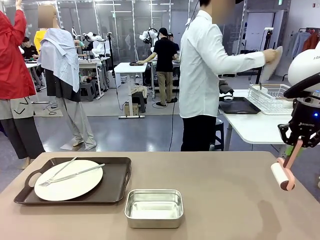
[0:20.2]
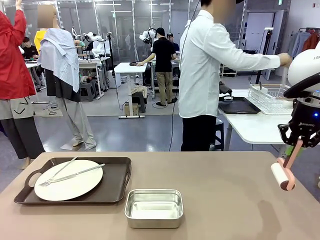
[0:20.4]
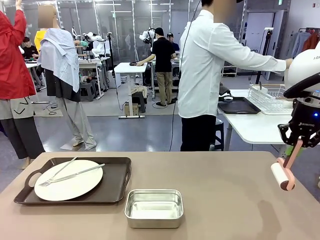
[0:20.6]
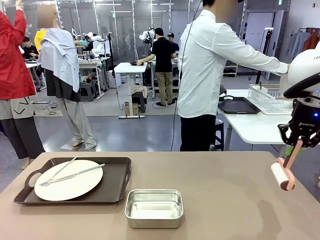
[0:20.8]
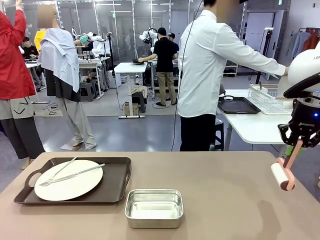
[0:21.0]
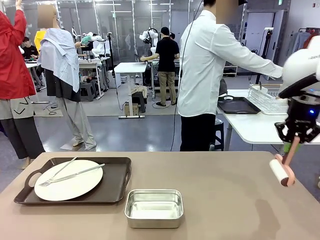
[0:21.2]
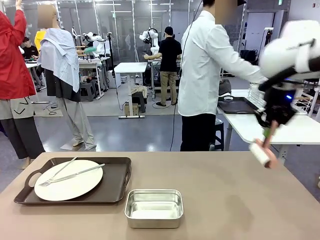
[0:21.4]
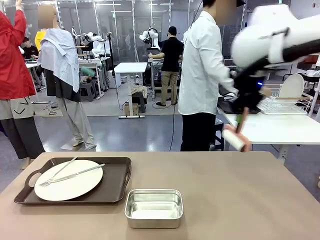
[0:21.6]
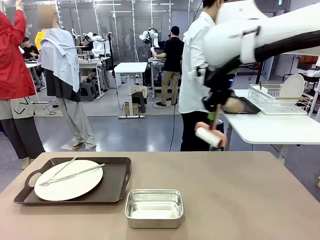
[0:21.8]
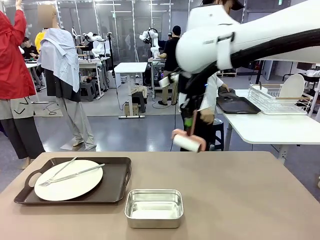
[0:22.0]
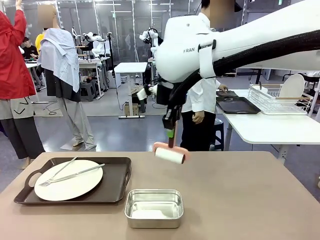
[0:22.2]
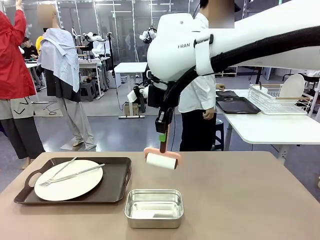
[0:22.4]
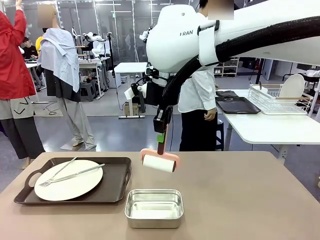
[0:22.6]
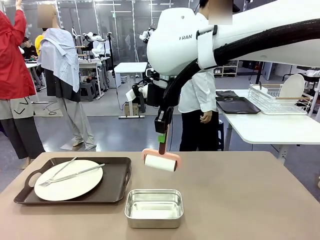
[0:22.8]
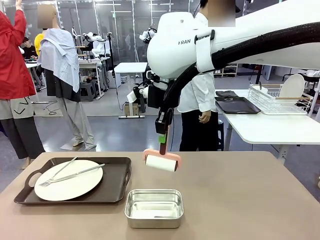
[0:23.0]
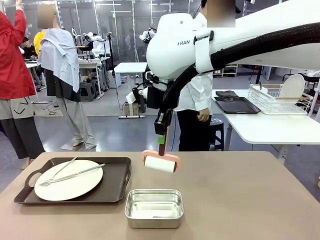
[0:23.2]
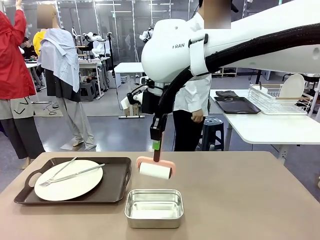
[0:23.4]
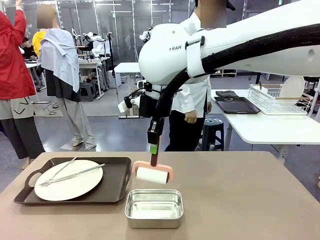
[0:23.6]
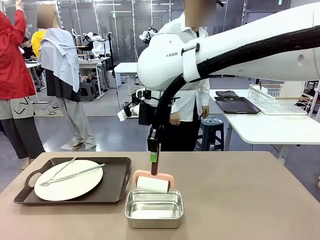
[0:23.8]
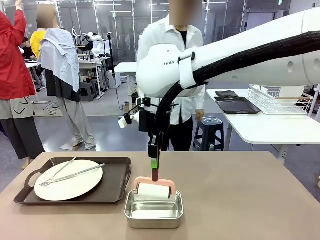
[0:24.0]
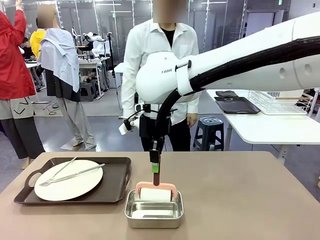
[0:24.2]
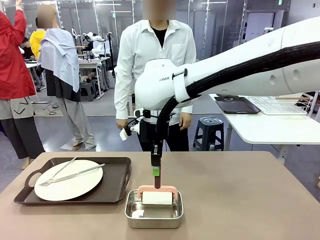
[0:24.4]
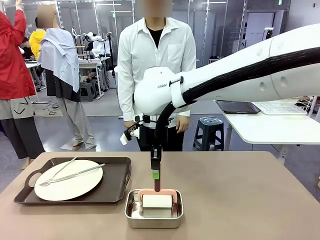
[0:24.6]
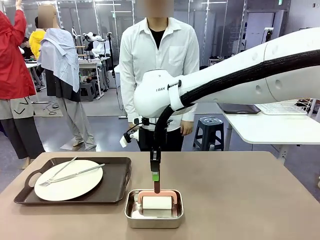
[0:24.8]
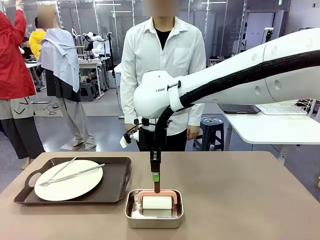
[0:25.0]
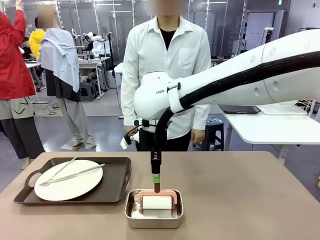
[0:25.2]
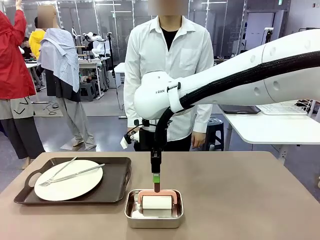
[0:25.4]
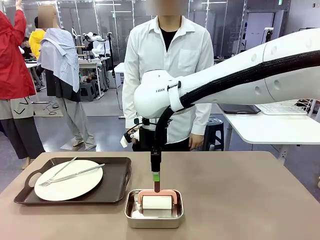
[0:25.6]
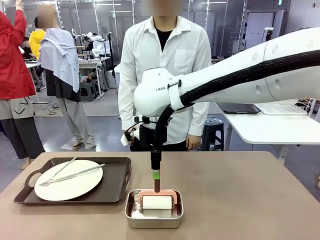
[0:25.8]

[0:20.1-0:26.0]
Robot: Place the Lint Roller back on top of the Airtight Container.

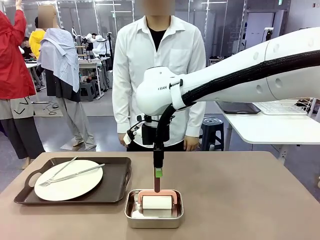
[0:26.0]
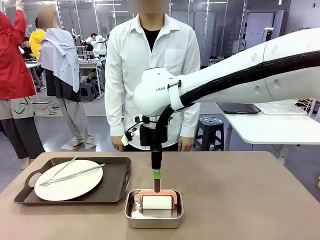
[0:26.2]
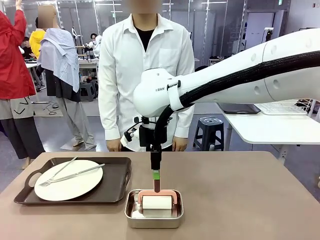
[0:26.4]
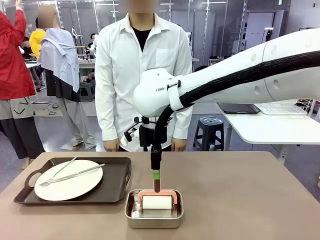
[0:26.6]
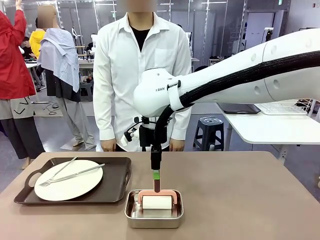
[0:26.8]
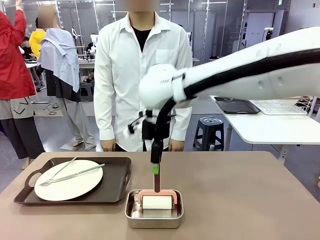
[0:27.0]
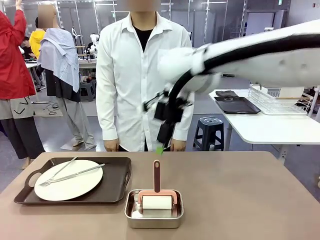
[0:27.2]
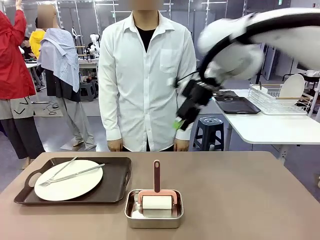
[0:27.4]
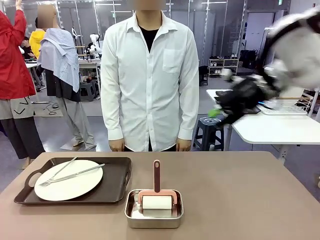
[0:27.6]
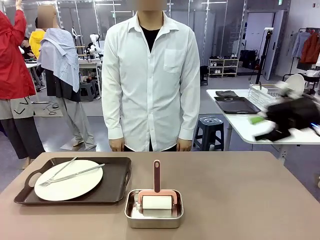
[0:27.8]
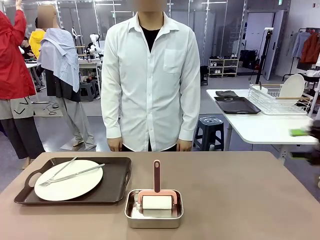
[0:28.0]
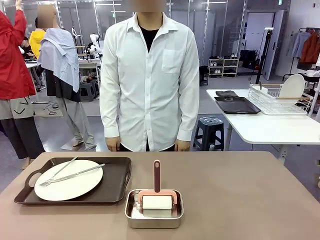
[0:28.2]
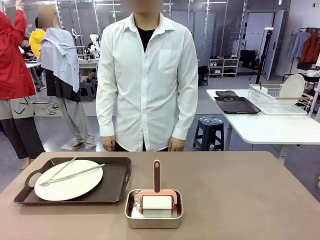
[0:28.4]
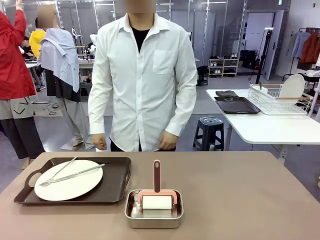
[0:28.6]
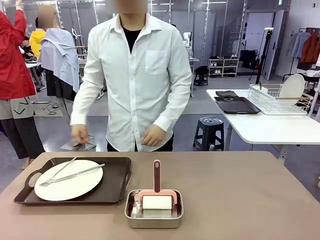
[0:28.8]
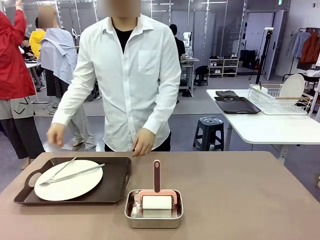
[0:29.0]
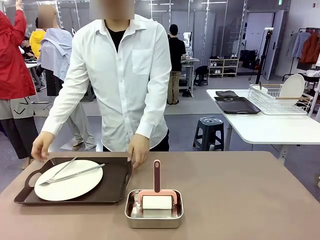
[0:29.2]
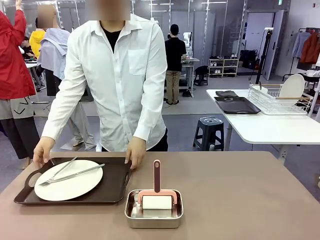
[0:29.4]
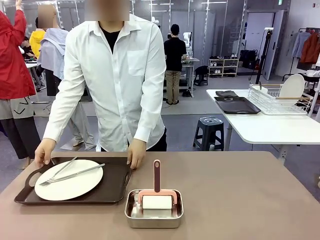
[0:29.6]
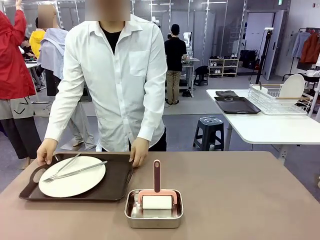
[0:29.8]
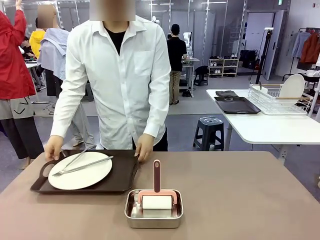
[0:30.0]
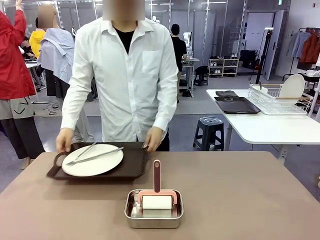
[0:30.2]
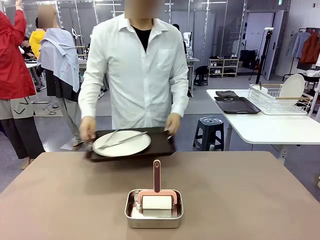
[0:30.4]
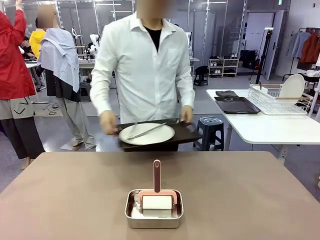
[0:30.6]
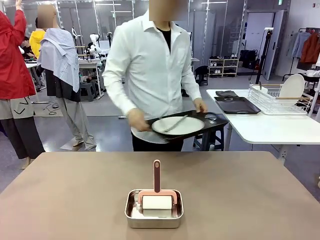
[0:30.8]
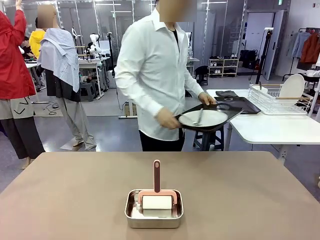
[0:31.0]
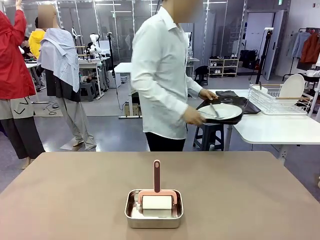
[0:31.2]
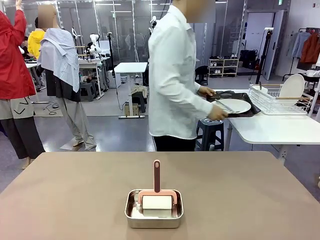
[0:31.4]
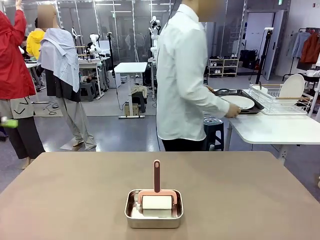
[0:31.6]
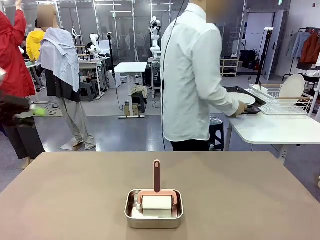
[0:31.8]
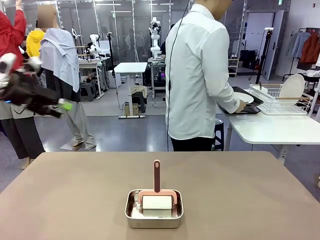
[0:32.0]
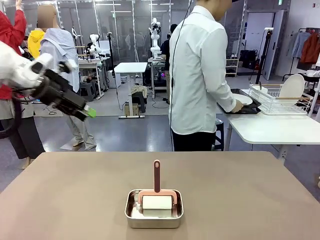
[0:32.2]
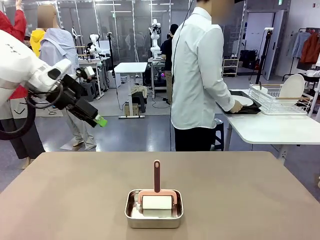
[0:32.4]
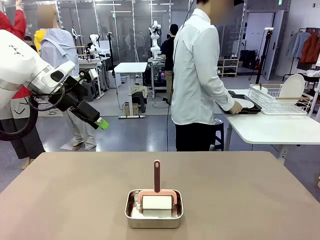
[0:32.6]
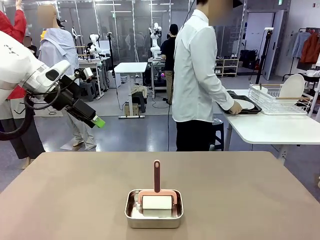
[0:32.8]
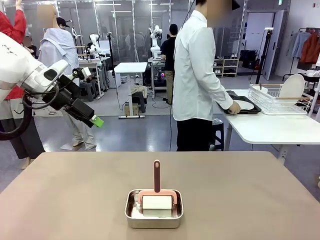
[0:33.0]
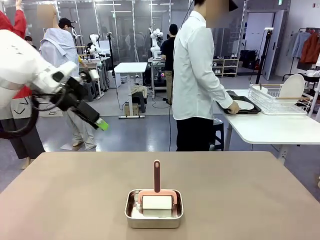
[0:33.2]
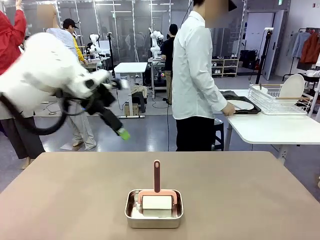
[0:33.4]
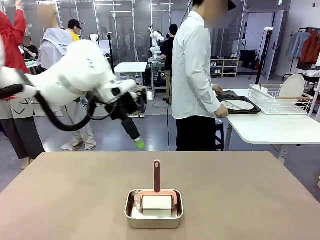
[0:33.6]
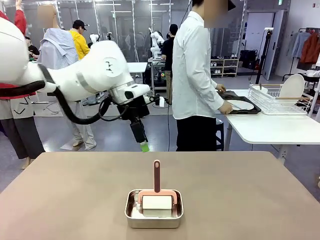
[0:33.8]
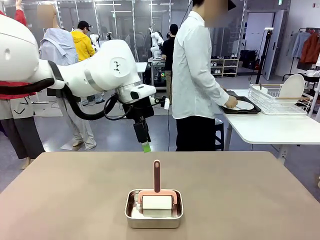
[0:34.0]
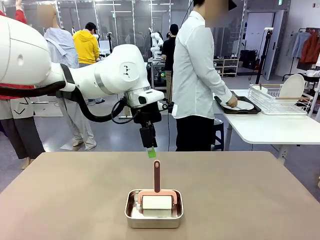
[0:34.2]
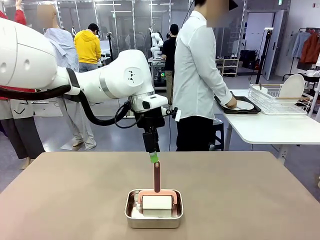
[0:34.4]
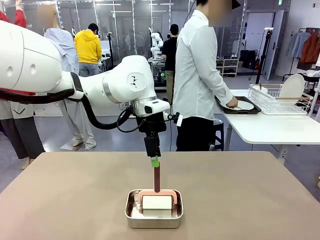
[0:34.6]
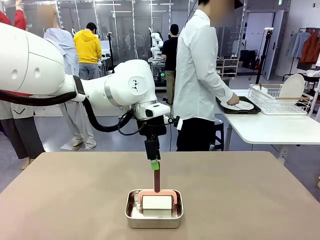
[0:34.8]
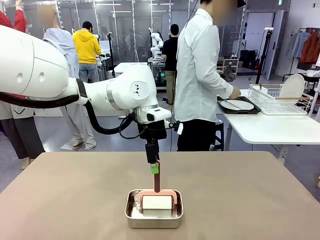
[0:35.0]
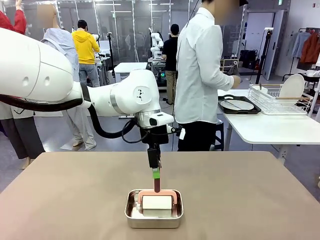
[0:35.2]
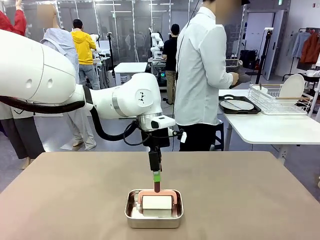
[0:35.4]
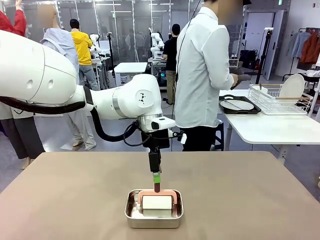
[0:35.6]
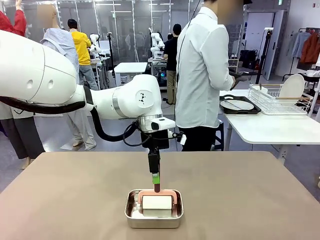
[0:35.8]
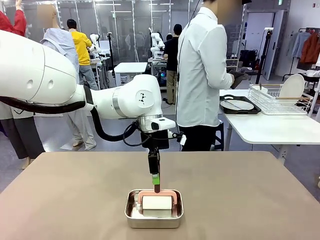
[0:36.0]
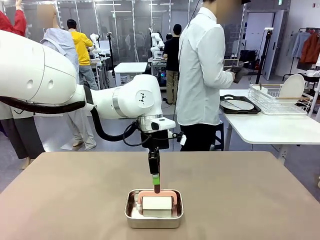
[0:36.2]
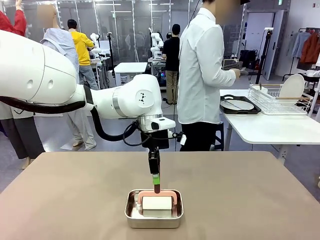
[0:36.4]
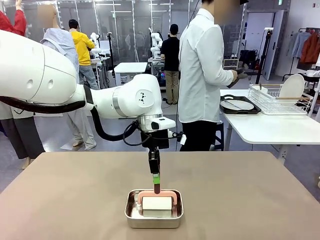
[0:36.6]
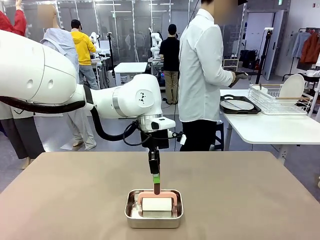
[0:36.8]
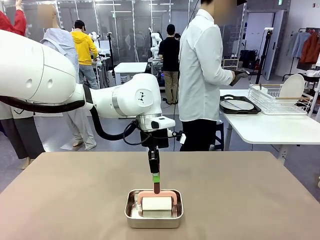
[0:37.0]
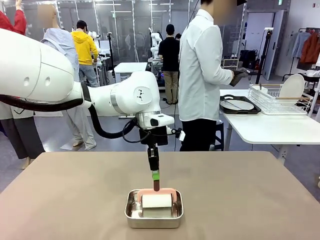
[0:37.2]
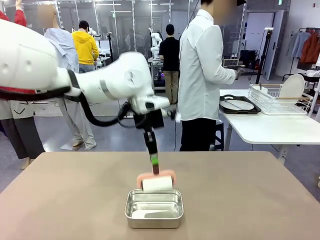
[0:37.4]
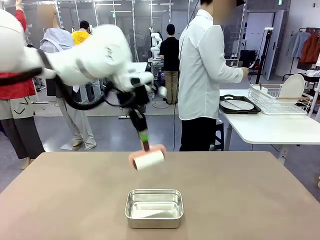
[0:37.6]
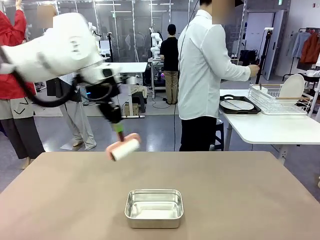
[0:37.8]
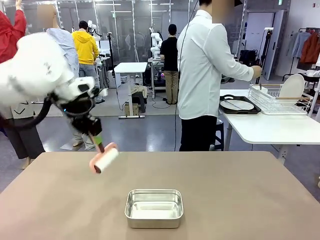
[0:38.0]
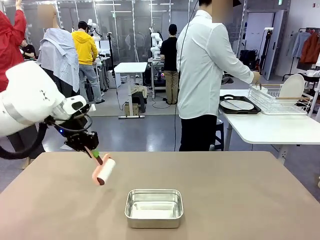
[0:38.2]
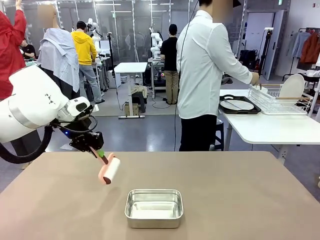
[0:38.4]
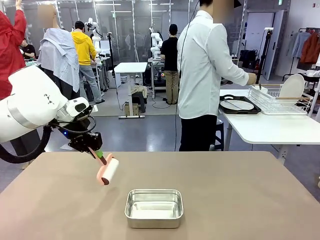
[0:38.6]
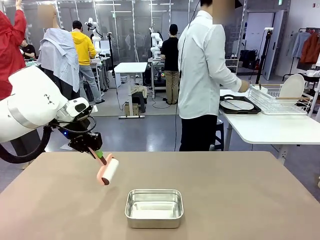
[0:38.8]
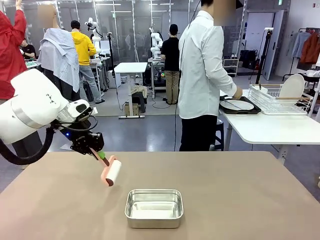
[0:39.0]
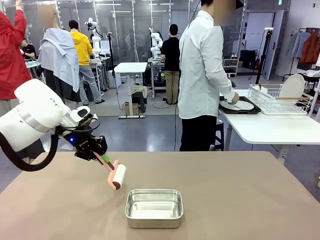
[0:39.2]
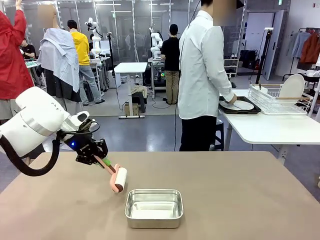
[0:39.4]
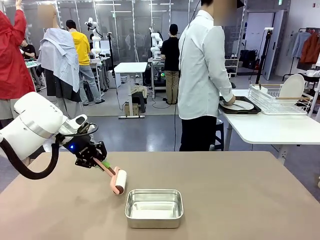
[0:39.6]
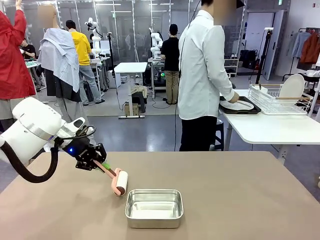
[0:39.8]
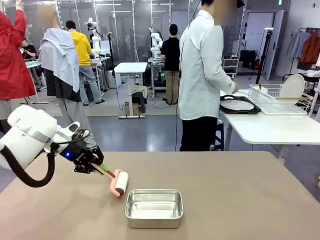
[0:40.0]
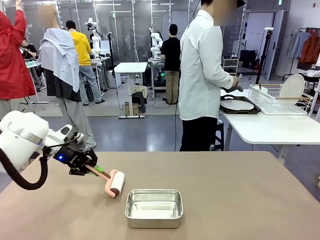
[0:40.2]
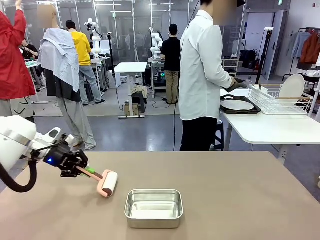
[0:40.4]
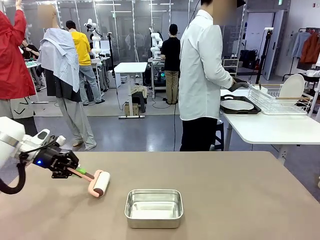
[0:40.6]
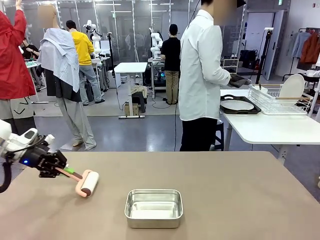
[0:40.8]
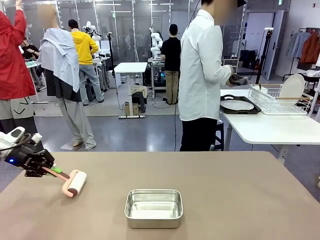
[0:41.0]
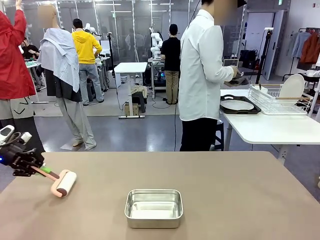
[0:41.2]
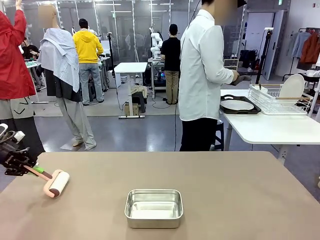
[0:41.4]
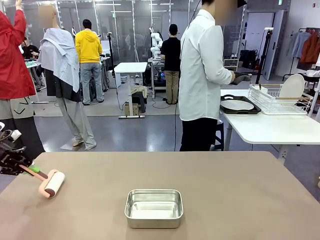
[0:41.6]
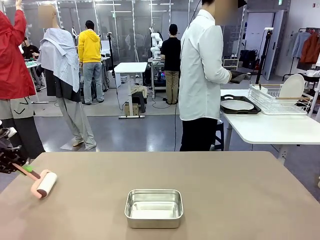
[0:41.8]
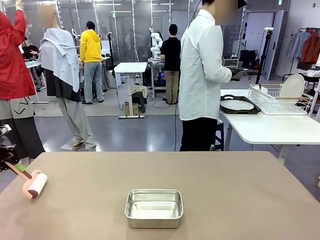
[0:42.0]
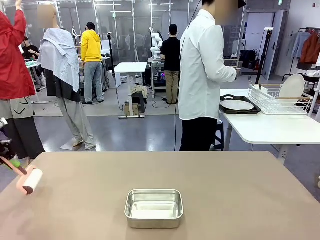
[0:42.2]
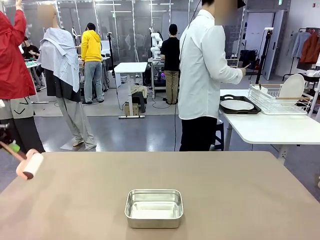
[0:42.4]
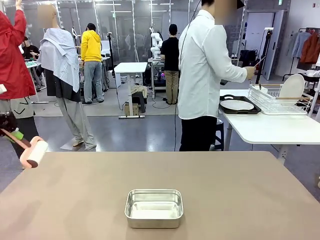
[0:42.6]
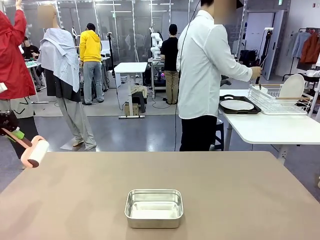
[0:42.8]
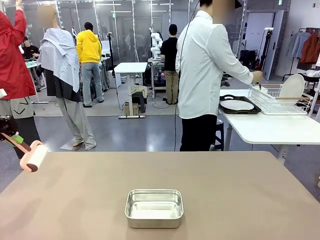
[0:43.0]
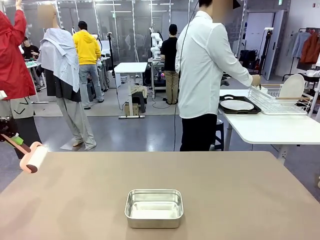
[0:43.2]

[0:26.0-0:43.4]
Robot: When the right (or left) Handle tray is removed, use the right hand (or left hand) to clean the right (or left) side of the table with the Lint Roller.
Person: Pick up the left (or right) Handle tray and place it on the Handle tray.
